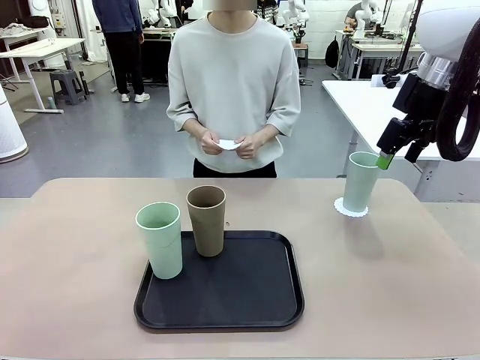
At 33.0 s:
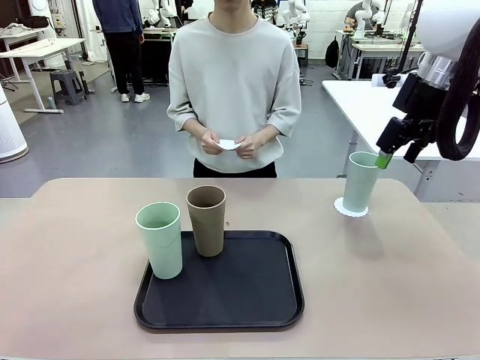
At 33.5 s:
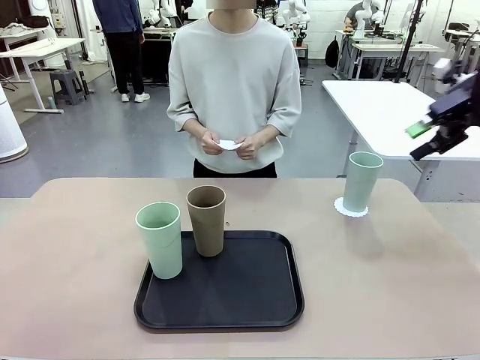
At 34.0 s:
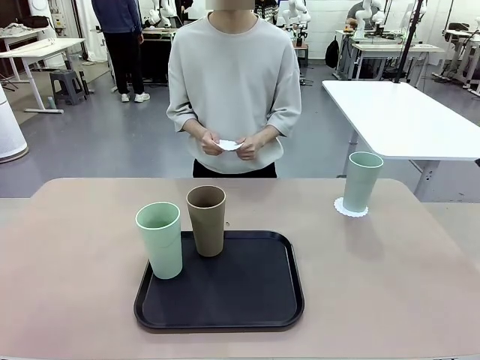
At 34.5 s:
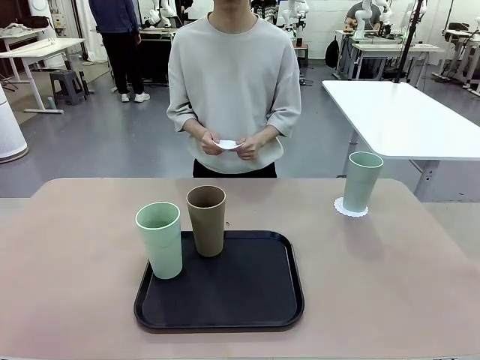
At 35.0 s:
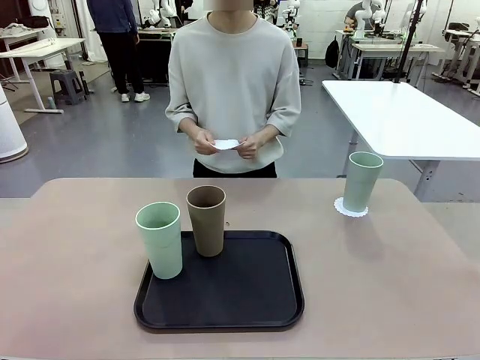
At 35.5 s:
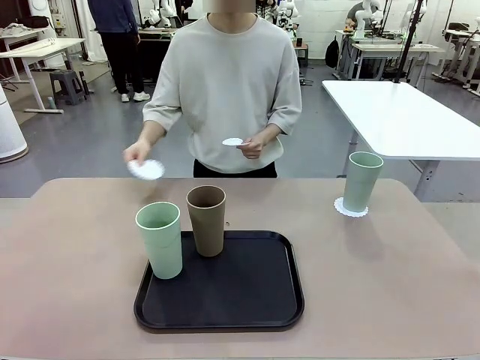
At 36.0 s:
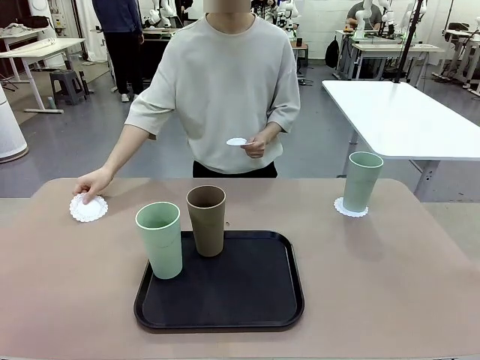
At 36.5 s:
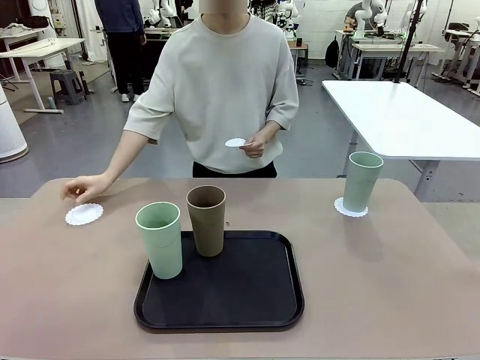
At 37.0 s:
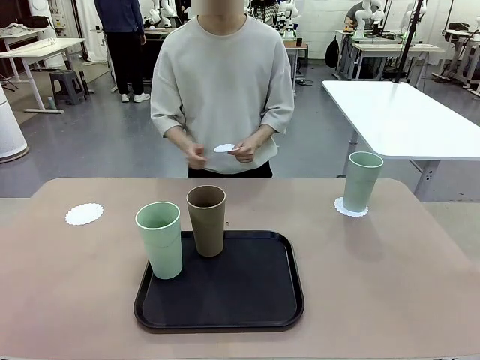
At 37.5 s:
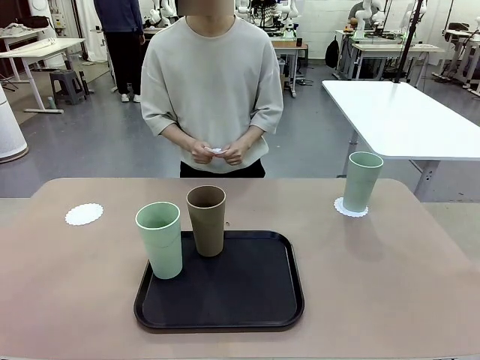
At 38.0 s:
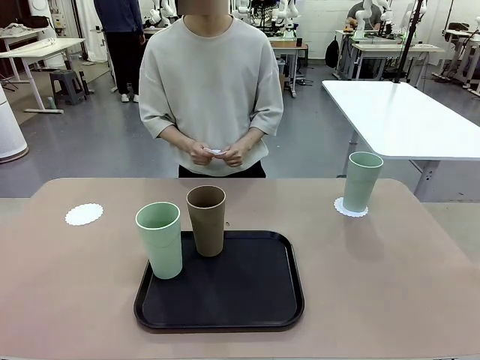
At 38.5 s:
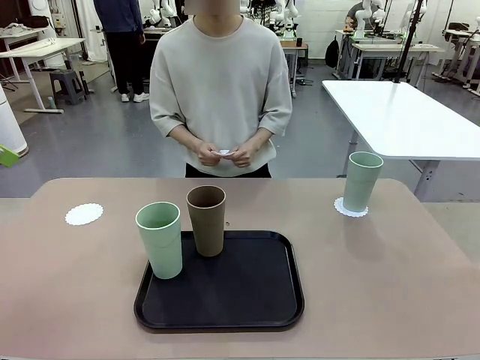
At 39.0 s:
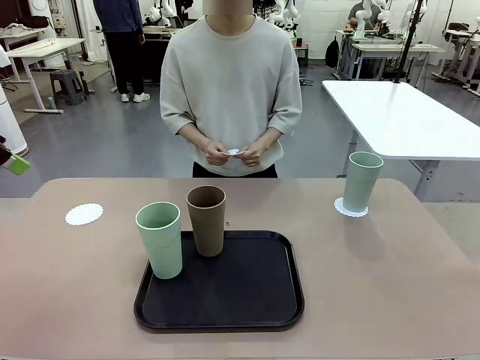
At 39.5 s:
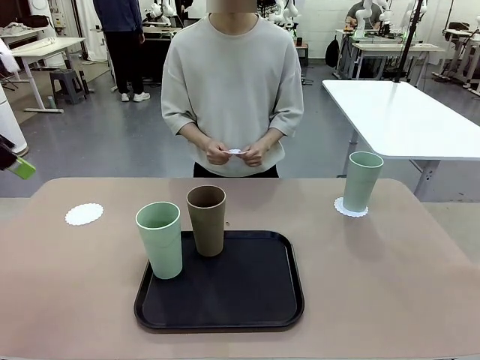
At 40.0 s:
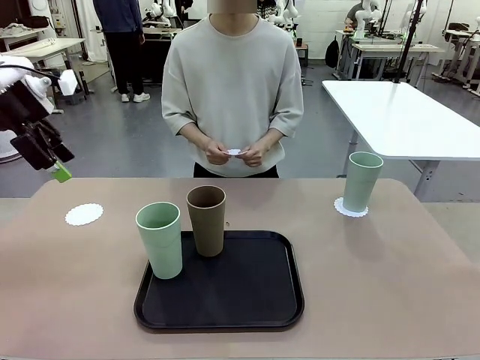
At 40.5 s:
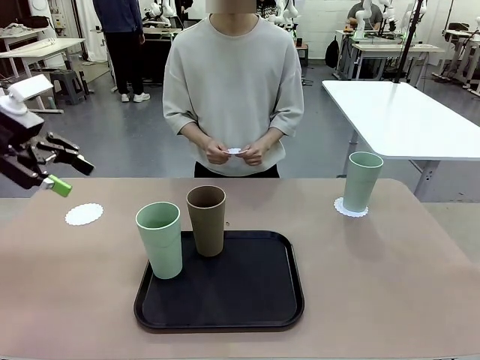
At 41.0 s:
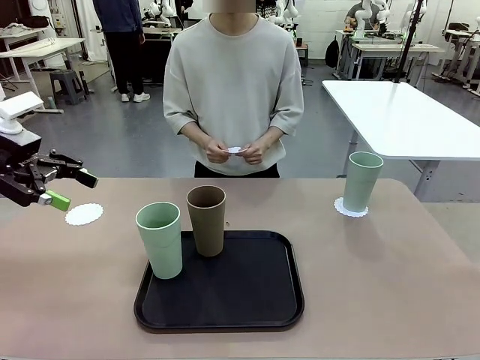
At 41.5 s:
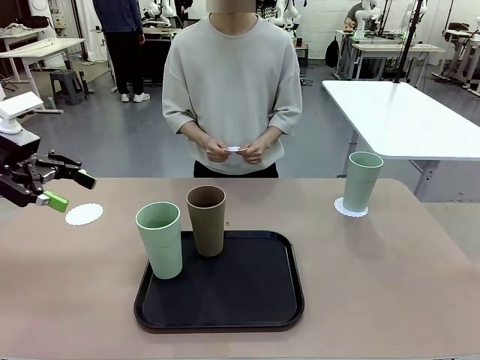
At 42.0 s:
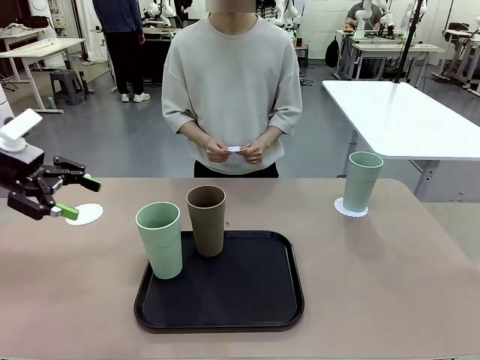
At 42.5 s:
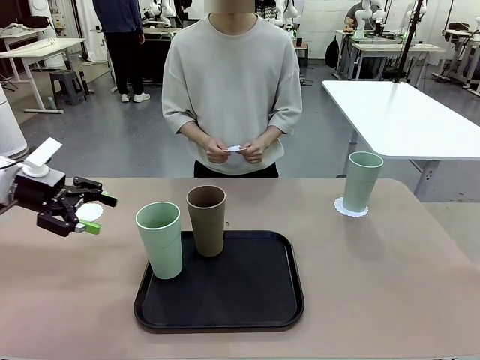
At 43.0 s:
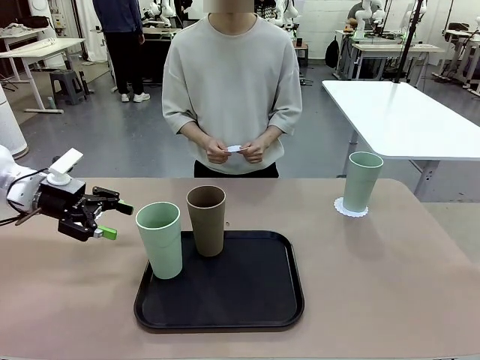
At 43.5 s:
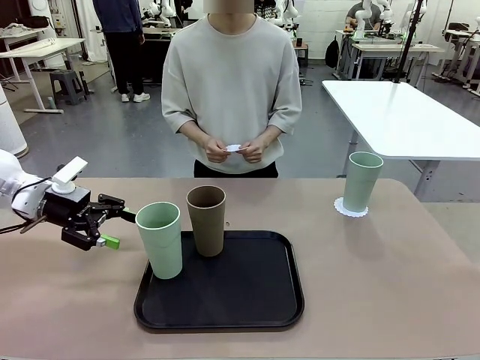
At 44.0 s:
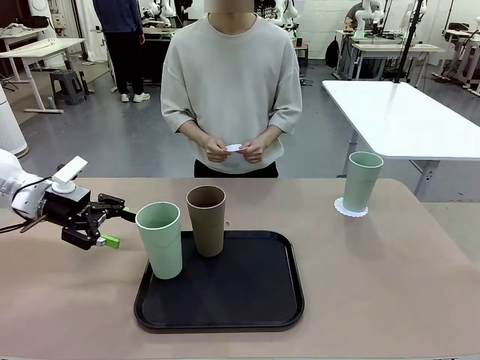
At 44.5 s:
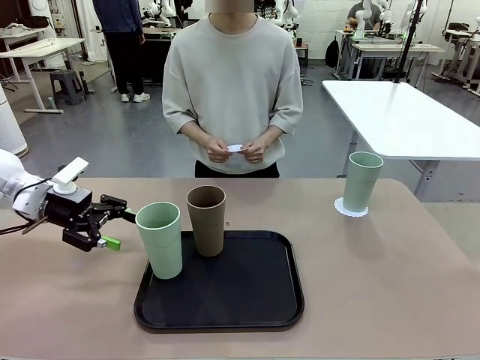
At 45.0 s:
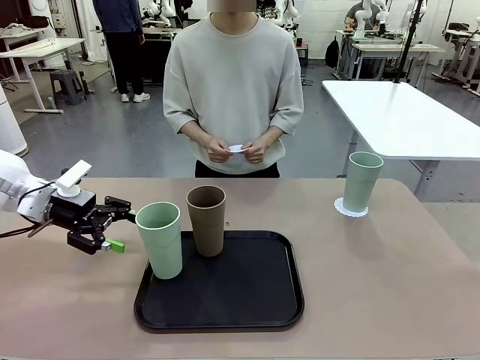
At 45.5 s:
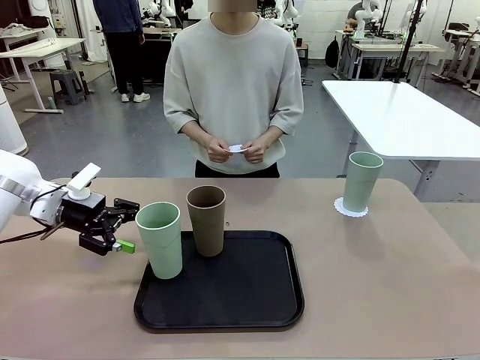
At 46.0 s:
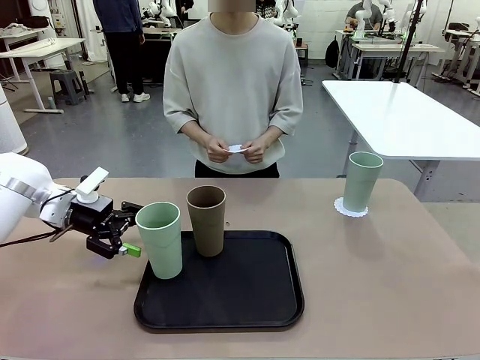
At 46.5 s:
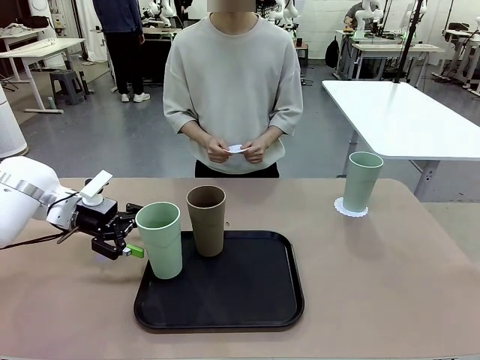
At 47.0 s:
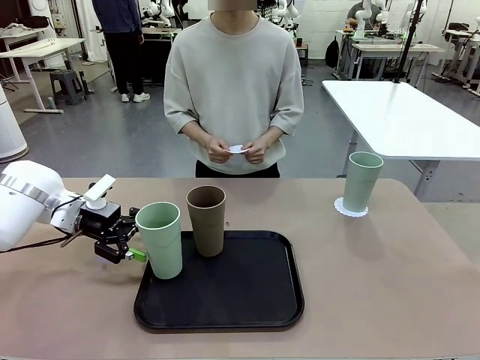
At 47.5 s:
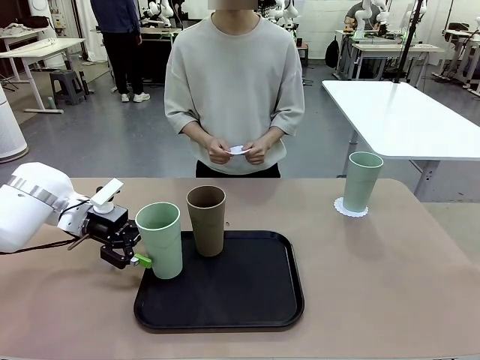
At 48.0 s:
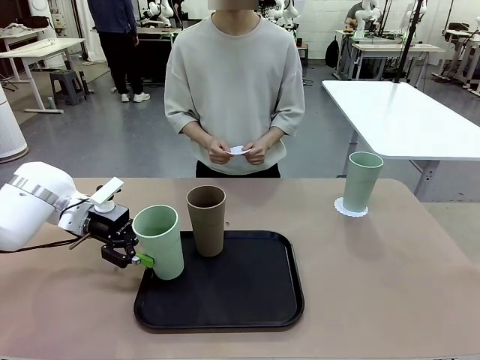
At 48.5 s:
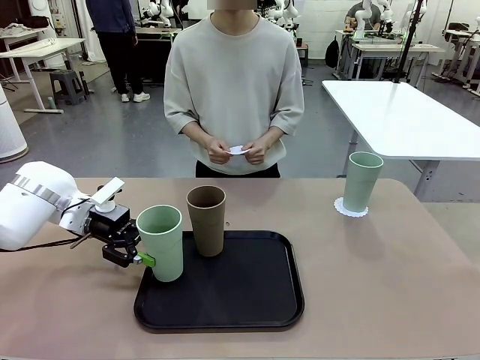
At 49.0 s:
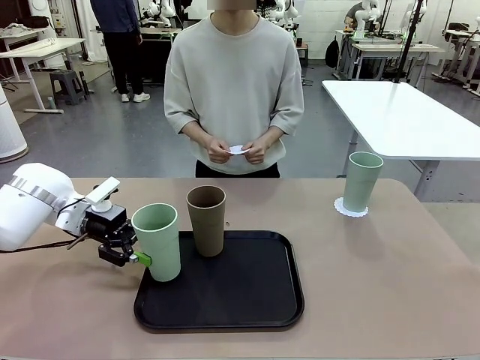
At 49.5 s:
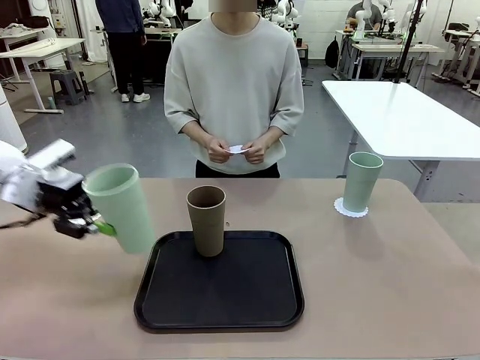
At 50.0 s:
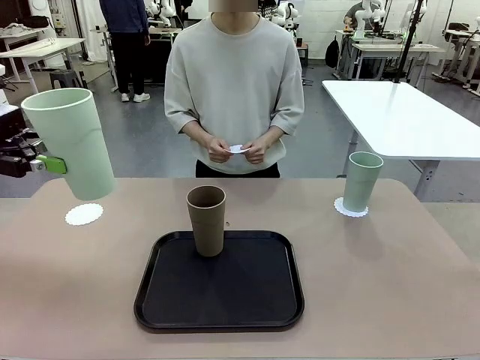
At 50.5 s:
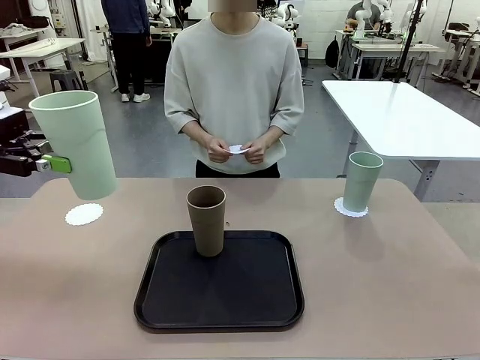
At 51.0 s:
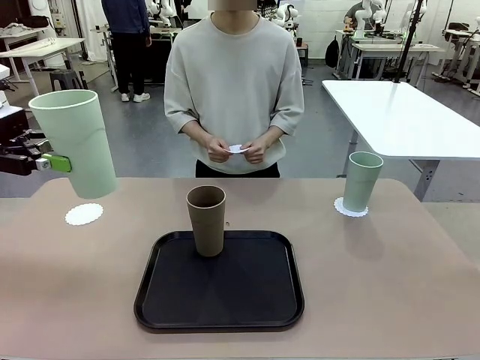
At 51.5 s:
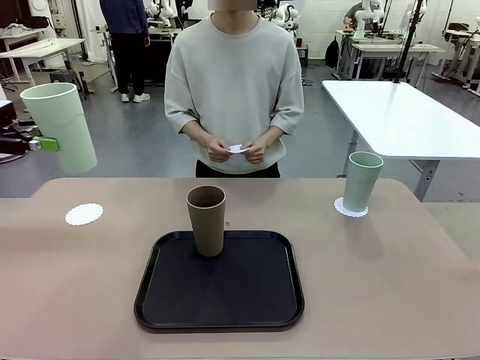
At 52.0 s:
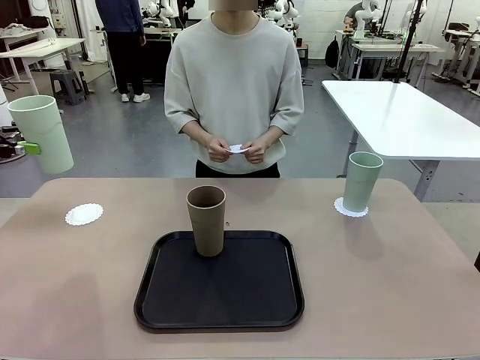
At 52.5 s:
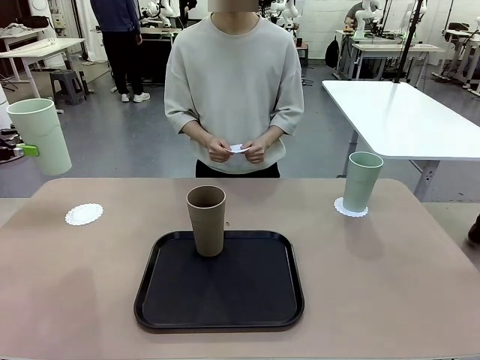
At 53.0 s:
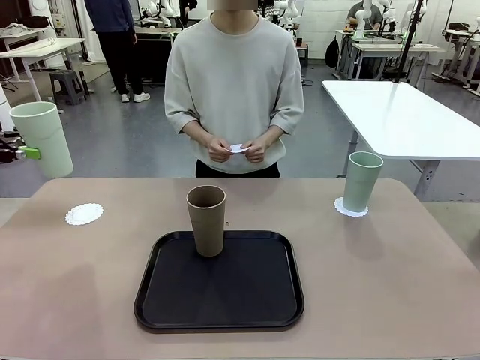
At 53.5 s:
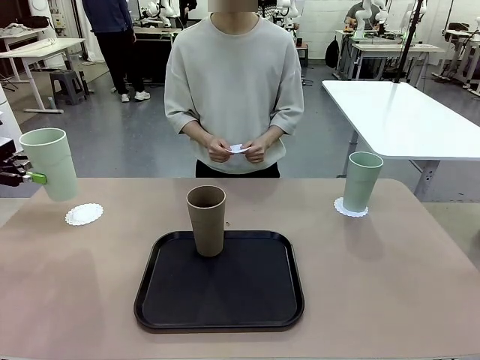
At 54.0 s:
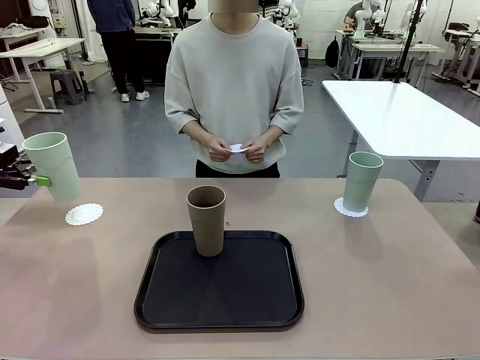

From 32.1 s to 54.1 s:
Task: Place coasters on the table and set cups on them.
Robot: Take one Reusable plastic cup from the Flat Tray and place it on a coaster set by the human.
